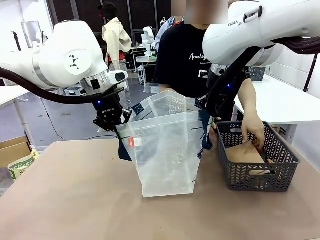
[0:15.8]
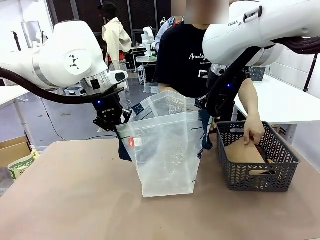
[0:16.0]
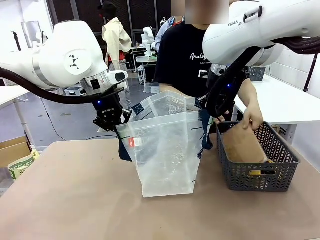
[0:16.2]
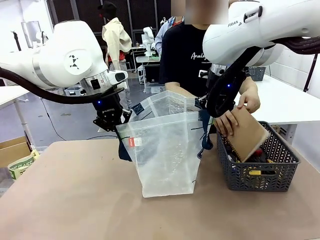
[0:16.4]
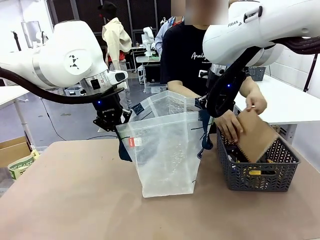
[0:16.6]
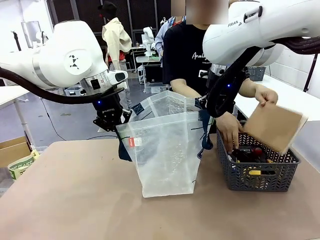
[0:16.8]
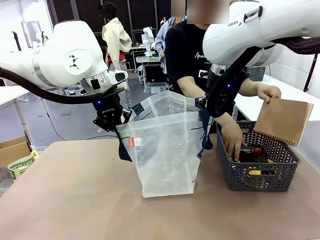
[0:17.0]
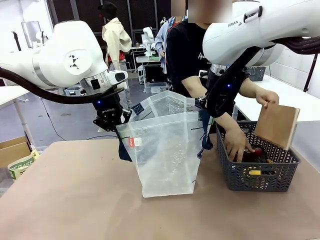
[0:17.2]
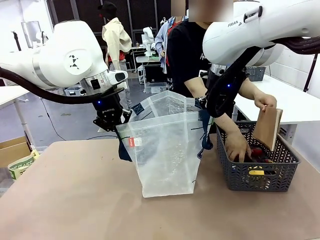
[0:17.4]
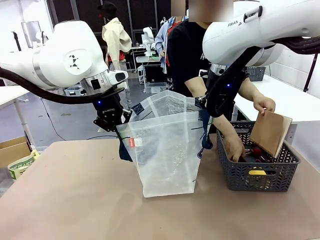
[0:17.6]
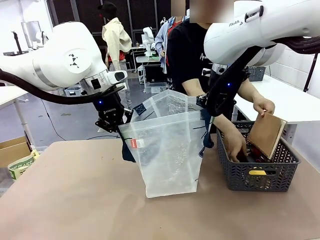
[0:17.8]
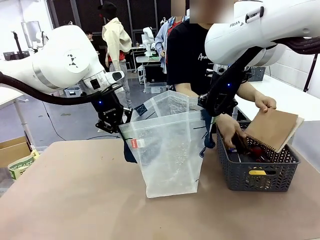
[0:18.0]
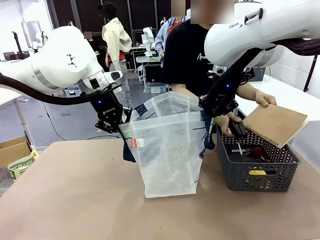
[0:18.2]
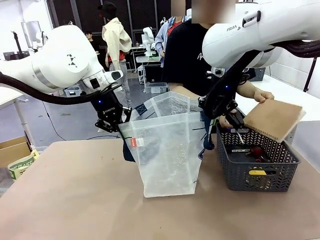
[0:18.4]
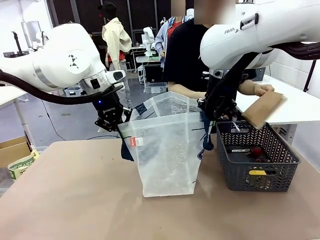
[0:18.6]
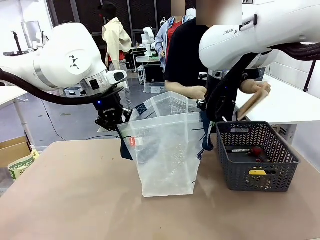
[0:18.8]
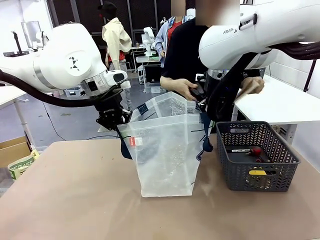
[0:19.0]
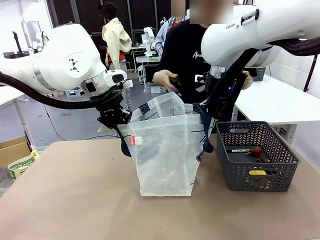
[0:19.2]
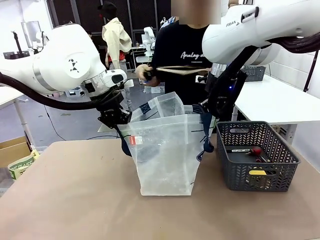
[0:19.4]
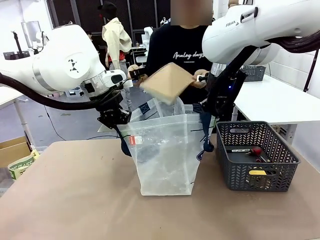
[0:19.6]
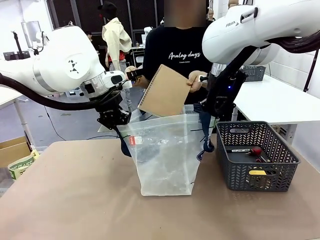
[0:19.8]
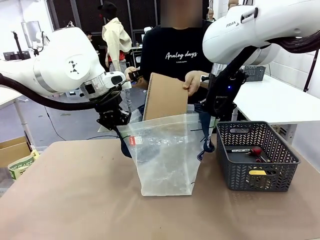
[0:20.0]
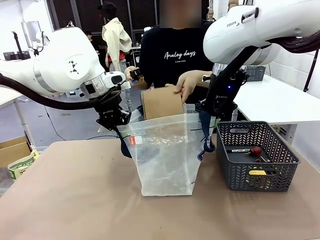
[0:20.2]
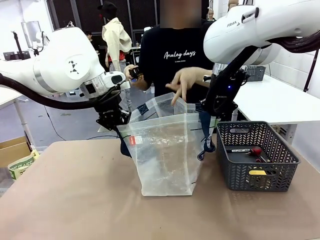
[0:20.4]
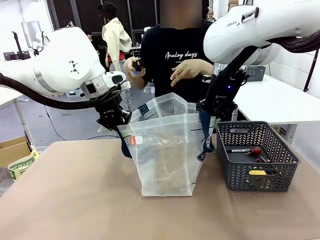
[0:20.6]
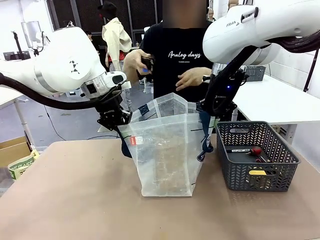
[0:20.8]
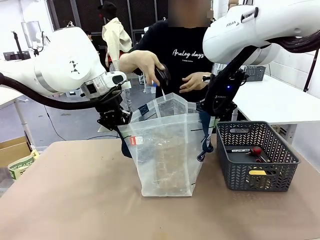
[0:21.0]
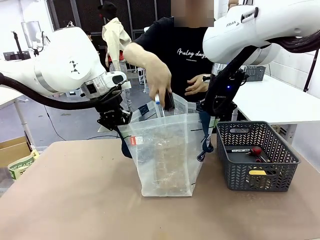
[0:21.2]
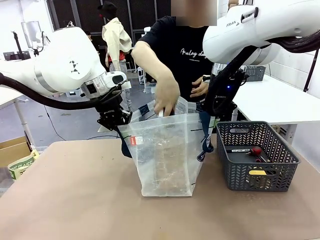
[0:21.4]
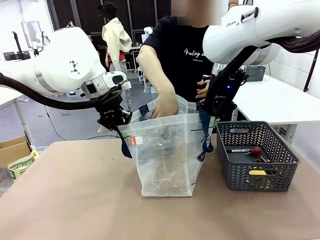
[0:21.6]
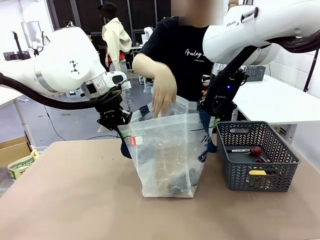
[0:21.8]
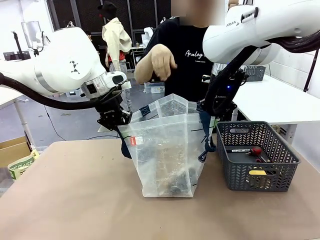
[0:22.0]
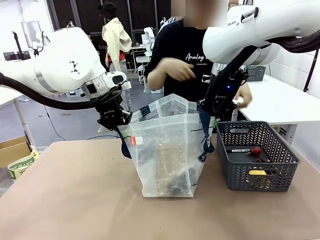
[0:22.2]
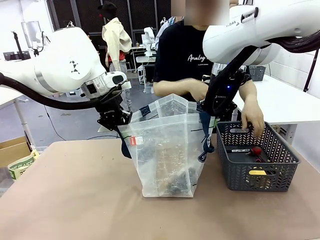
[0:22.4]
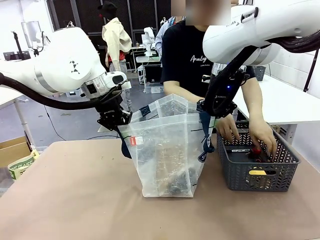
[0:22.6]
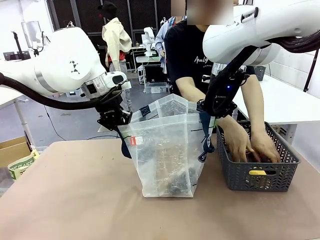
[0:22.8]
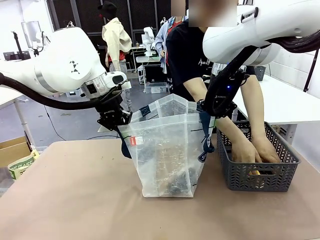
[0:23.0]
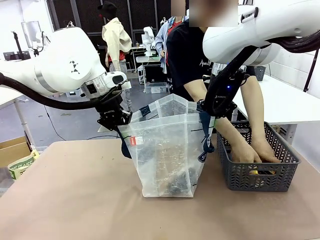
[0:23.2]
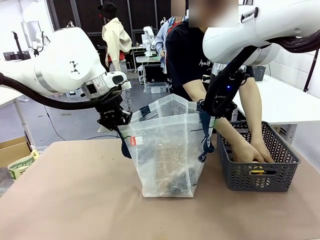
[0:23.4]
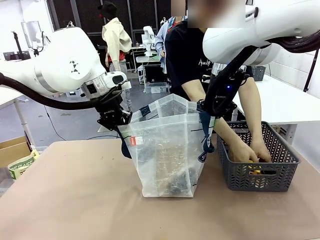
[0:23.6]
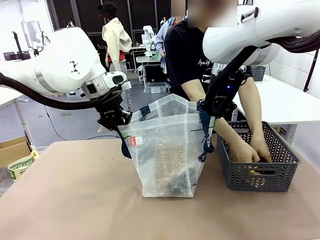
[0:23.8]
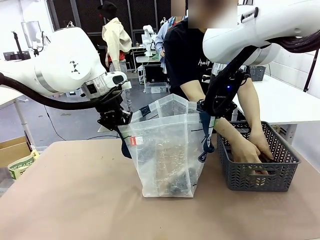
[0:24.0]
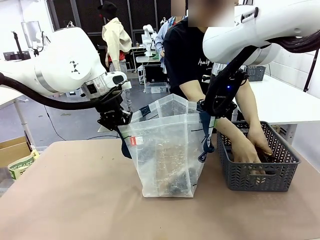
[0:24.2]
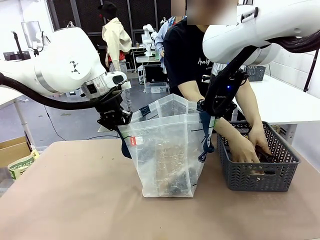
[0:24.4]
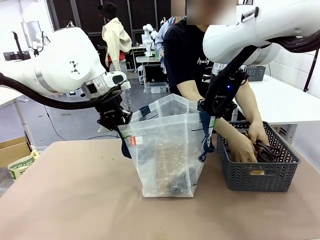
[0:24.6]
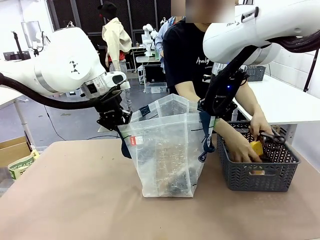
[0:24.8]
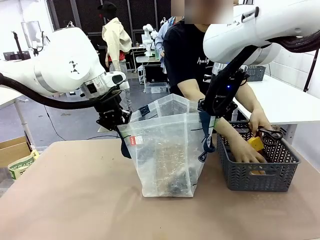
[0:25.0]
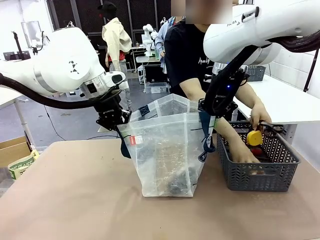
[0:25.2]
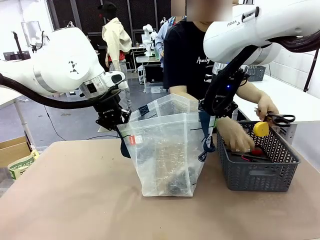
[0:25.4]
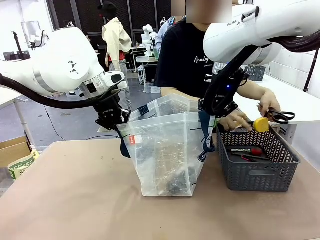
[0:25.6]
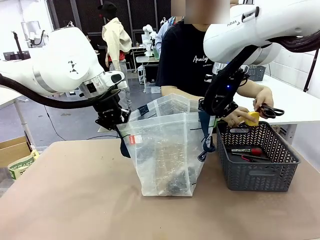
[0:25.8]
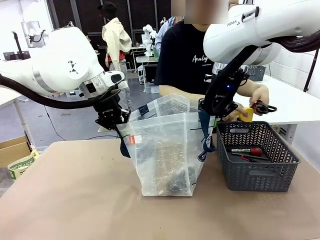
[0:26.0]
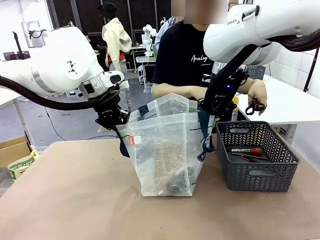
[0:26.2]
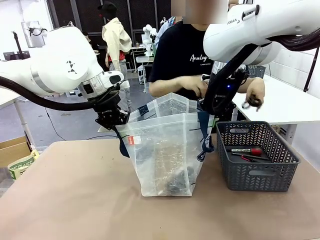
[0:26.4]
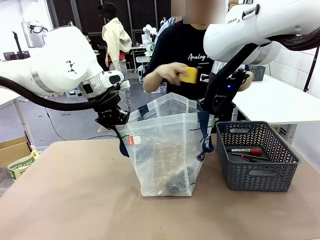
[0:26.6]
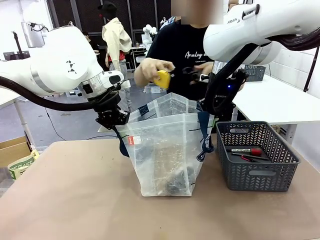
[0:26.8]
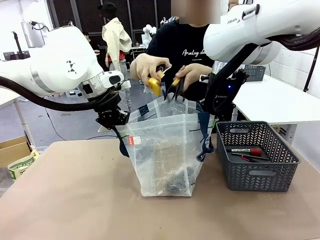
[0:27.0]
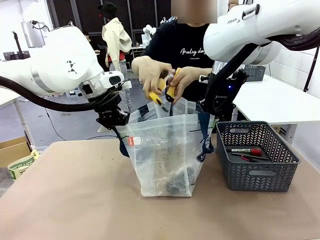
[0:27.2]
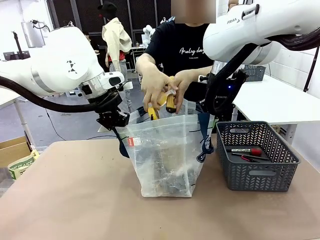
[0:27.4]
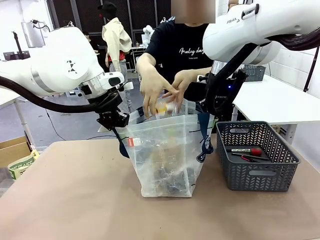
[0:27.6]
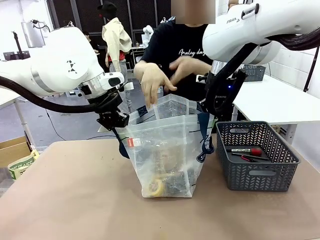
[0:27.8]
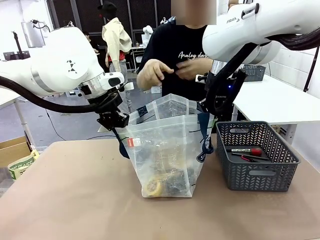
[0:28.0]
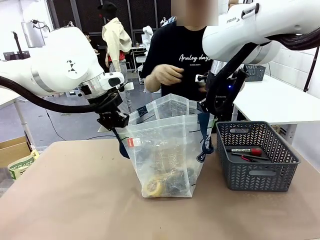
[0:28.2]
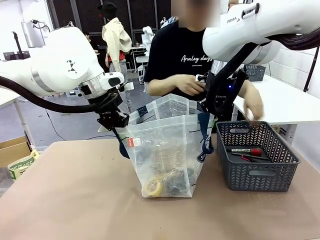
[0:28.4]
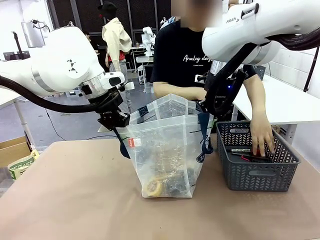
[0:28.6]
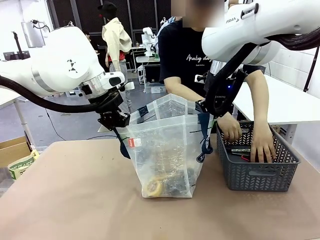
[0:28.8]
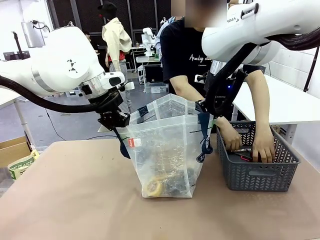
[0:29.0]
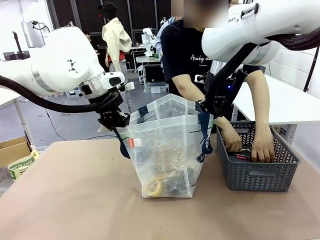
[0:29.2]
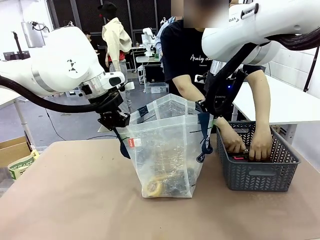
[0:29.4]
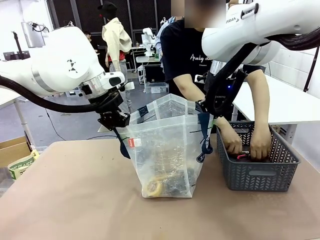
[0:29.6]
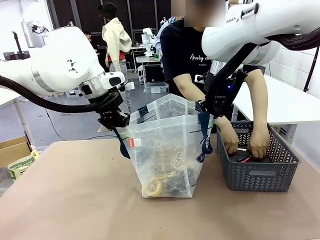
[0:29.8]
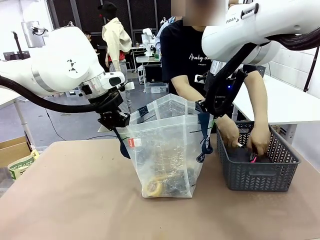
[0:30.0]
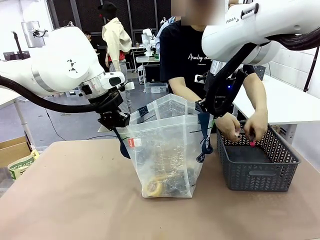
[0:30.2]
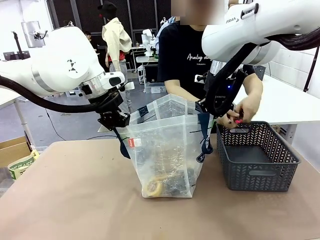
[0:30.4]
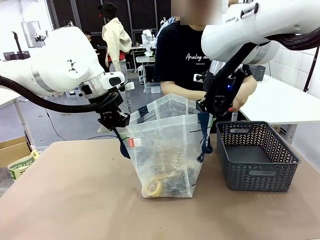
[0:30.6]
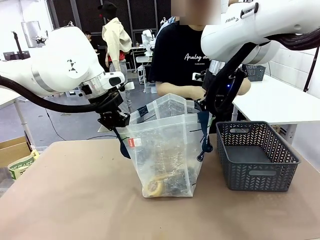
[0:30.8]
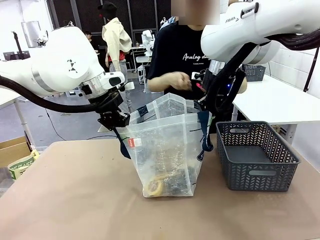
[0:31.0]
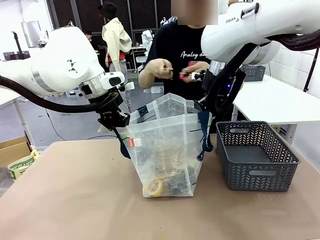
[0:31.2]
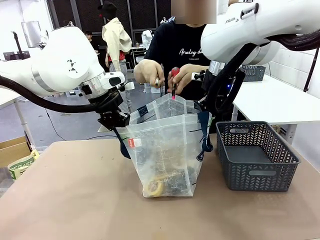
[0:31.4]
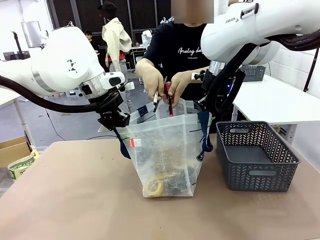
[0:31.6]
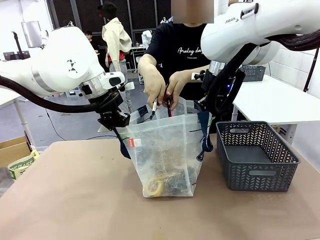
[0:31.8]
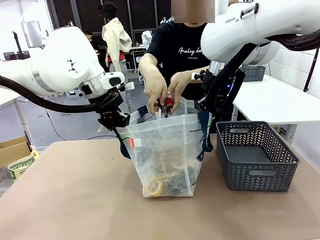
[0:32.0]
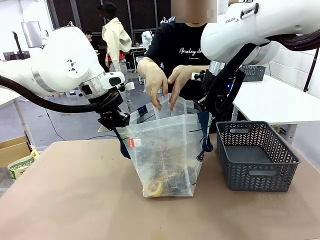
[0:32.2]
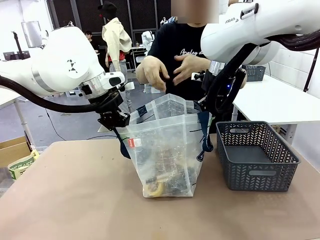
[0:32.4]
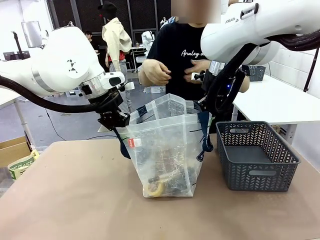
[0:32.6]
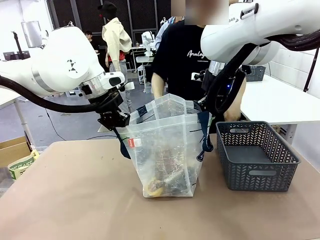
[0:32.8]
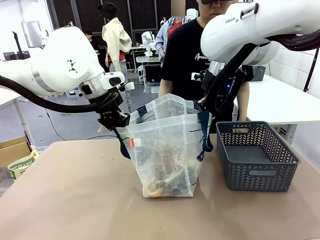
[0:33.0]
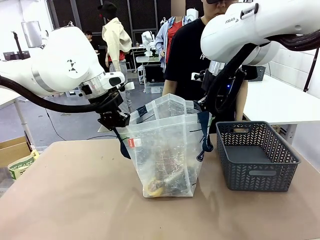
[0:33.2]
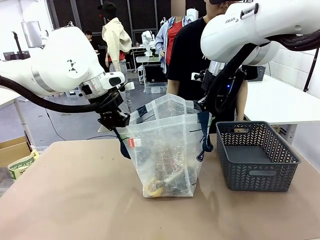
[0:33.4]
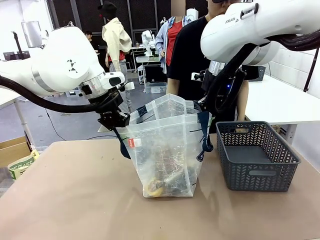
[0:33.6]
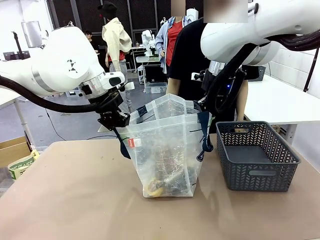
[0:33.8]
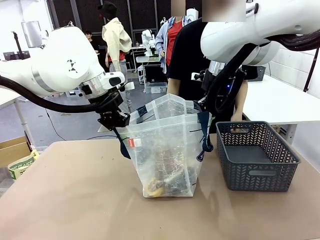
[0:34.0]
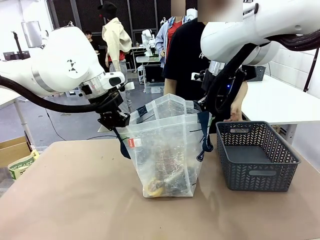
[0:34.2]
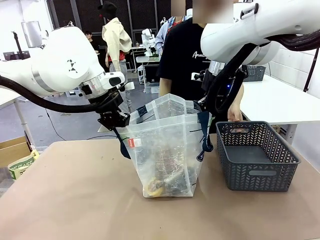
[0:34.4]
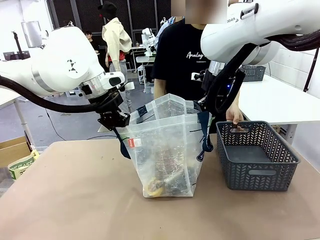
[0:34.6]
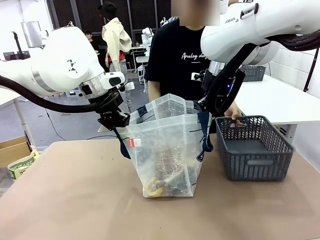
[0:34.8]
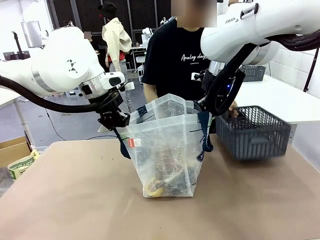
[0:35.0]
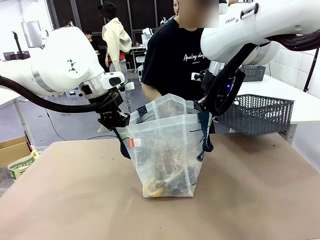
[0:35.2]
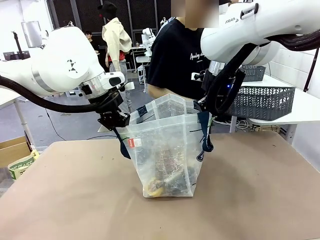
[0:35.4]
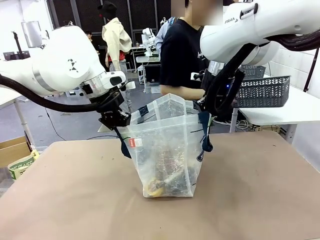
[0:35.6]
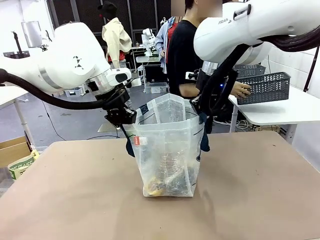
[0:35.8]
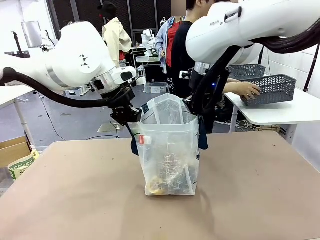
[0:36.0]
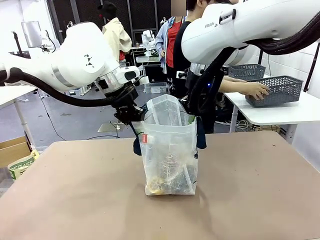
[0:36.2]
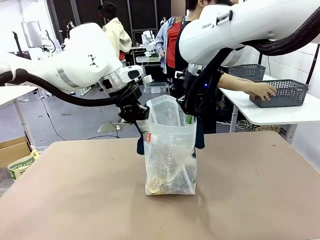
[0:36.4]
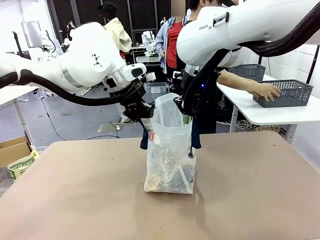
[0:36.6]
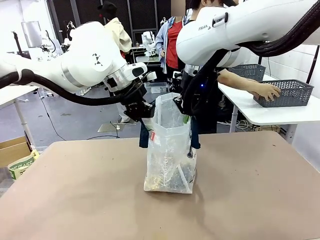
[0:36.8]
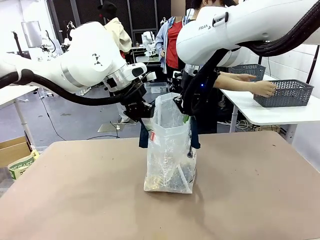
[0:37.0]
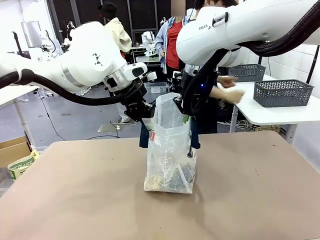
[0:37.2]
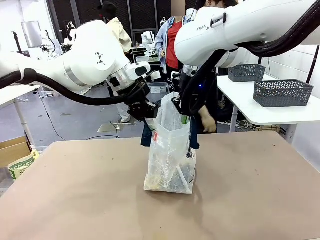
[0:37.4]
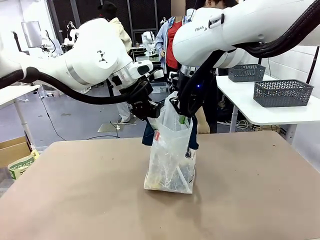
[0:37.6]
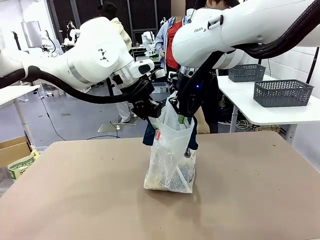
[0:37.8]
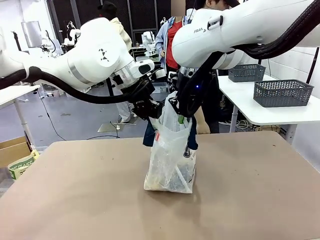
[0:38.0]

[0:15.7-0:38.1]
Task: Transfer purchased items from the store into the shopping bag.
Robot: Move the Reusable shopping bag to the right side of the table.
Person: Pick up the basket on the right, place it on the left side of the robot table, and move the items in the basket to the shopping bag. Pick up the basket with the items out and place it on the right side of the human table.
